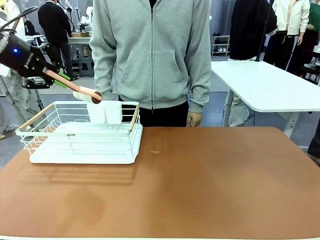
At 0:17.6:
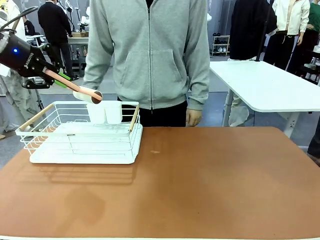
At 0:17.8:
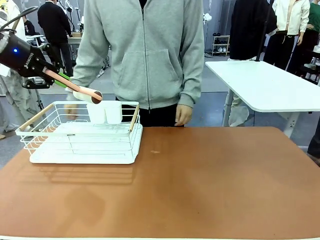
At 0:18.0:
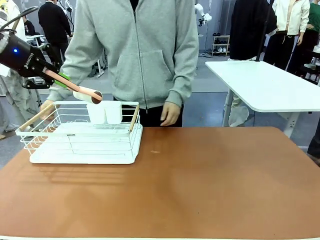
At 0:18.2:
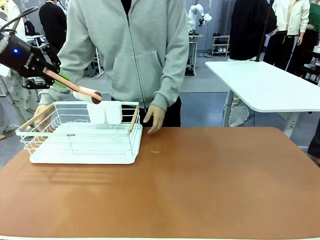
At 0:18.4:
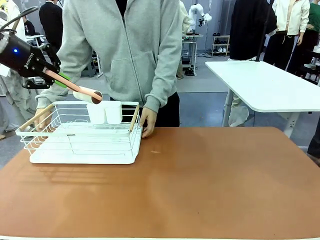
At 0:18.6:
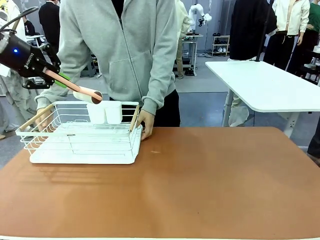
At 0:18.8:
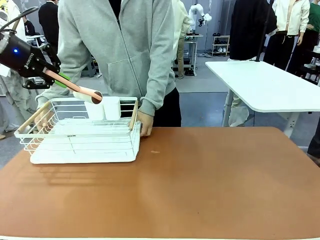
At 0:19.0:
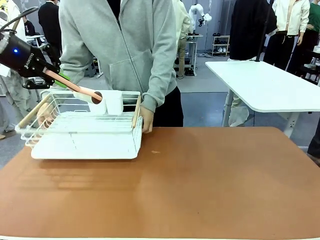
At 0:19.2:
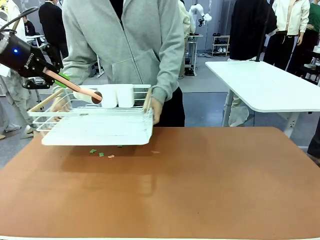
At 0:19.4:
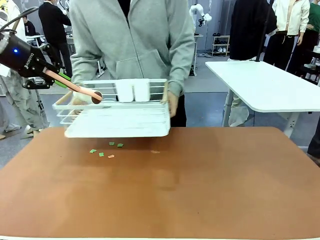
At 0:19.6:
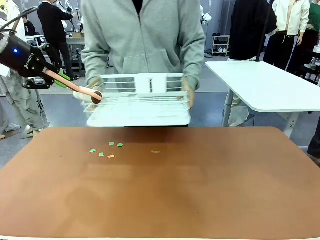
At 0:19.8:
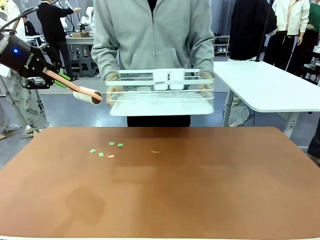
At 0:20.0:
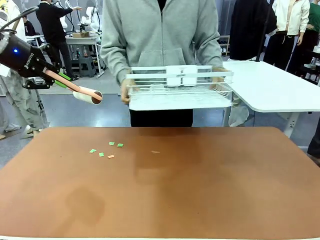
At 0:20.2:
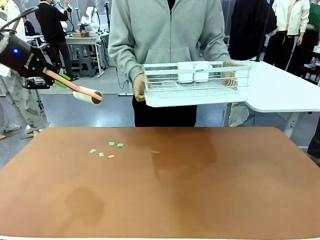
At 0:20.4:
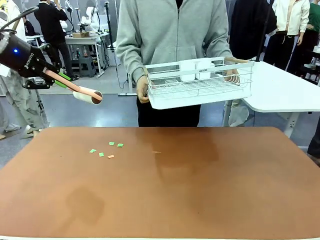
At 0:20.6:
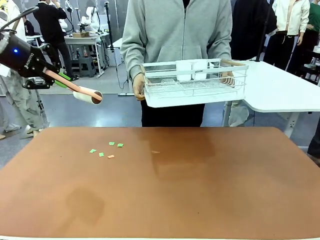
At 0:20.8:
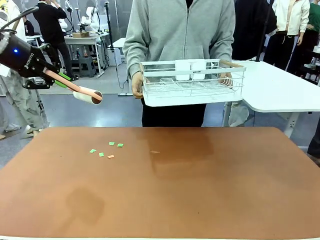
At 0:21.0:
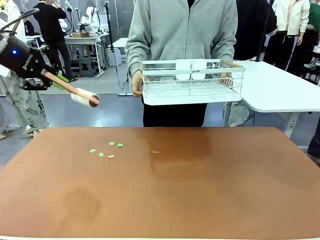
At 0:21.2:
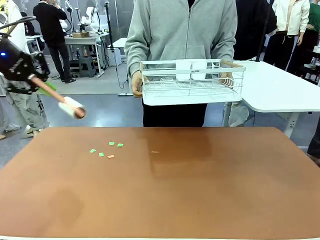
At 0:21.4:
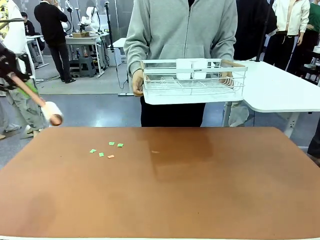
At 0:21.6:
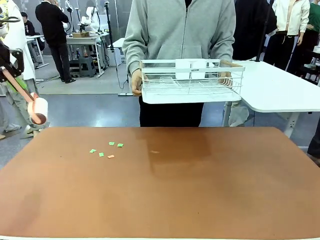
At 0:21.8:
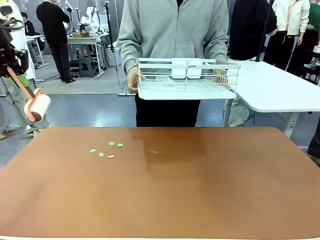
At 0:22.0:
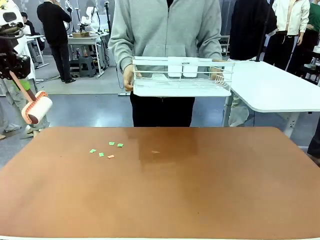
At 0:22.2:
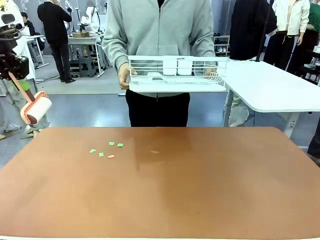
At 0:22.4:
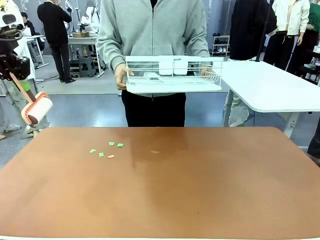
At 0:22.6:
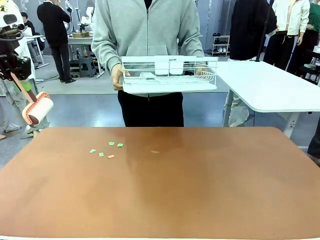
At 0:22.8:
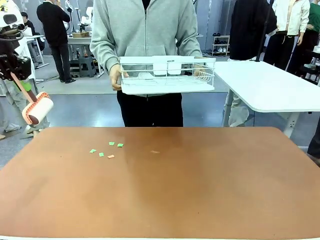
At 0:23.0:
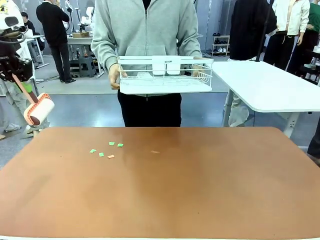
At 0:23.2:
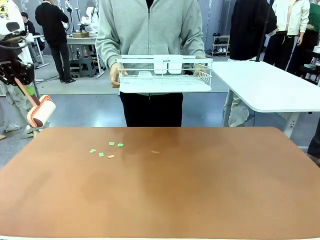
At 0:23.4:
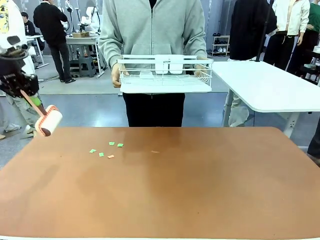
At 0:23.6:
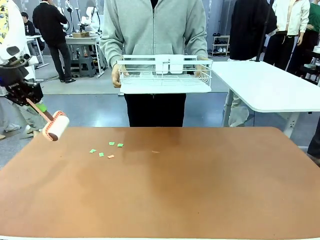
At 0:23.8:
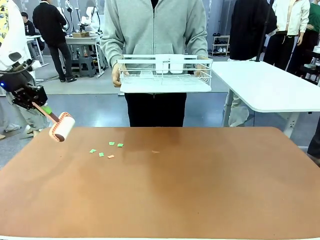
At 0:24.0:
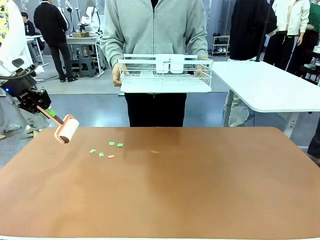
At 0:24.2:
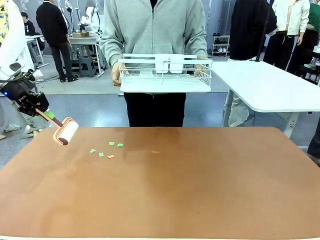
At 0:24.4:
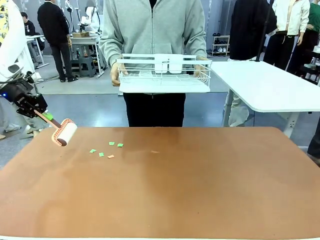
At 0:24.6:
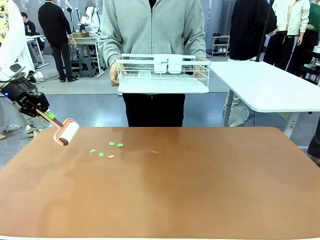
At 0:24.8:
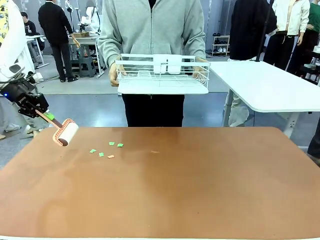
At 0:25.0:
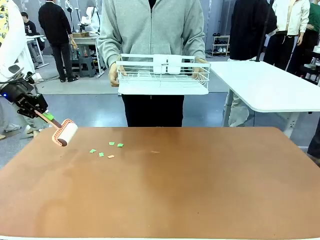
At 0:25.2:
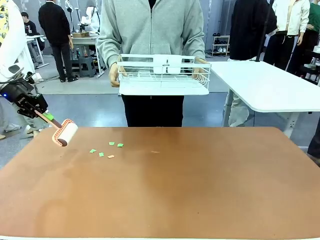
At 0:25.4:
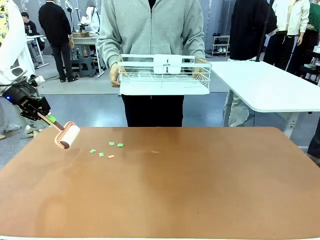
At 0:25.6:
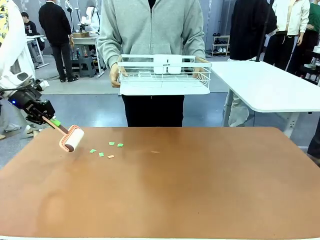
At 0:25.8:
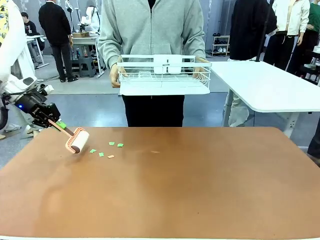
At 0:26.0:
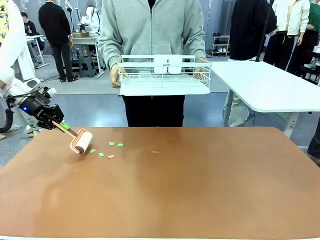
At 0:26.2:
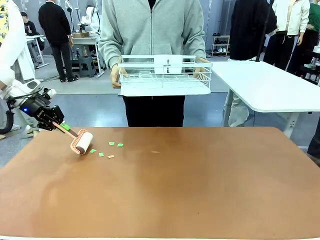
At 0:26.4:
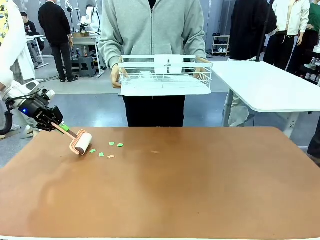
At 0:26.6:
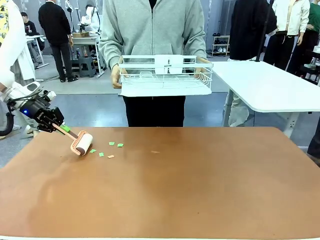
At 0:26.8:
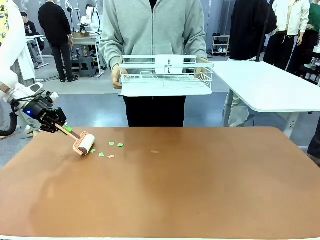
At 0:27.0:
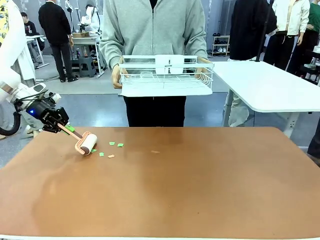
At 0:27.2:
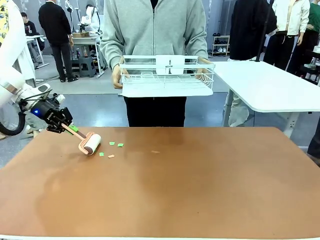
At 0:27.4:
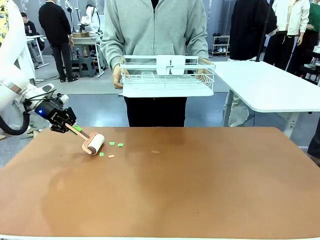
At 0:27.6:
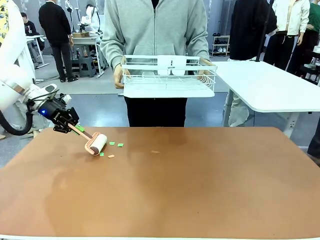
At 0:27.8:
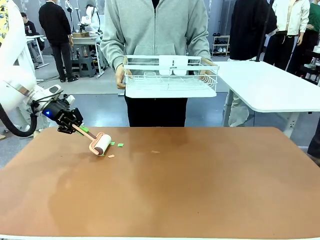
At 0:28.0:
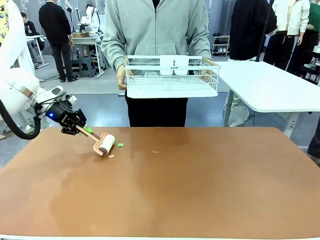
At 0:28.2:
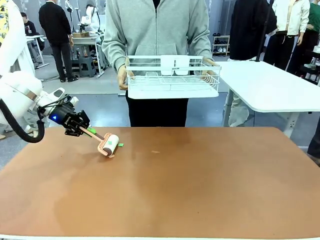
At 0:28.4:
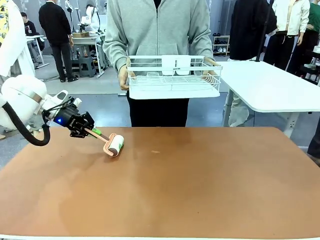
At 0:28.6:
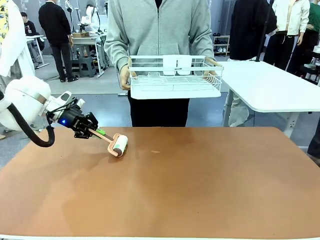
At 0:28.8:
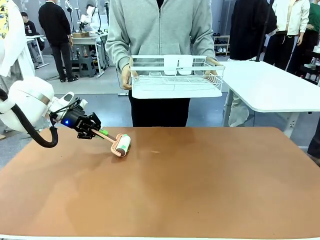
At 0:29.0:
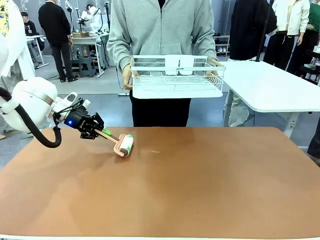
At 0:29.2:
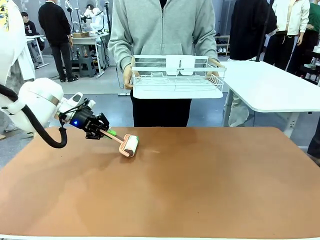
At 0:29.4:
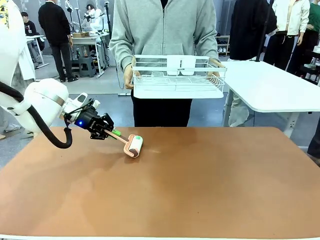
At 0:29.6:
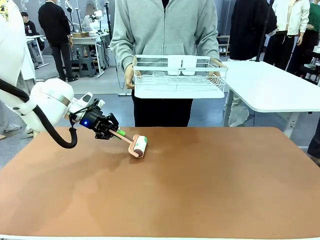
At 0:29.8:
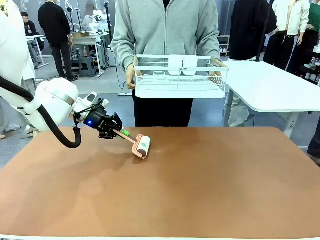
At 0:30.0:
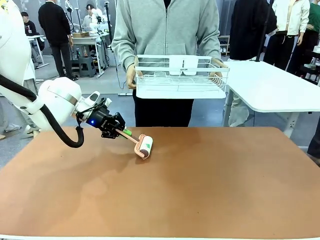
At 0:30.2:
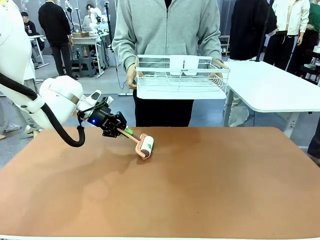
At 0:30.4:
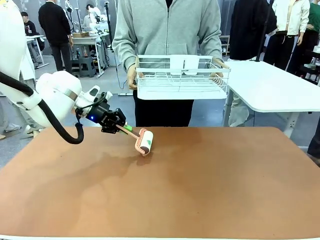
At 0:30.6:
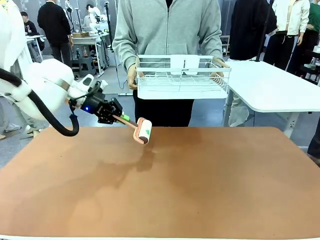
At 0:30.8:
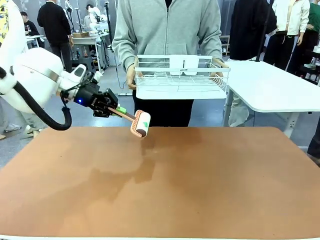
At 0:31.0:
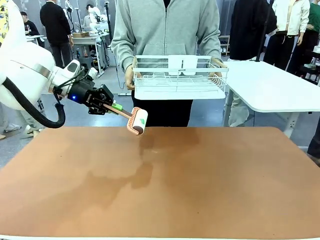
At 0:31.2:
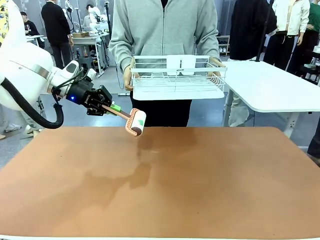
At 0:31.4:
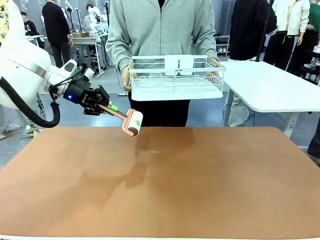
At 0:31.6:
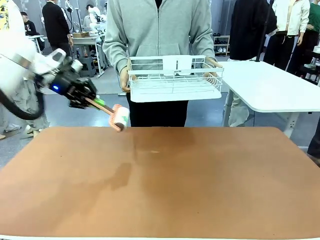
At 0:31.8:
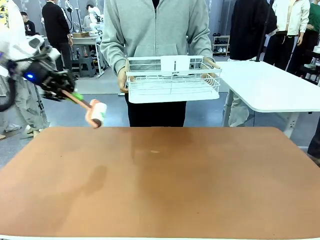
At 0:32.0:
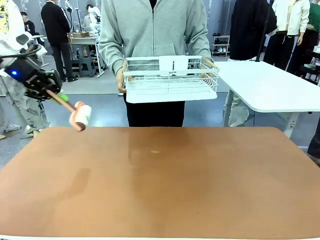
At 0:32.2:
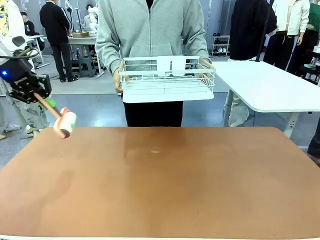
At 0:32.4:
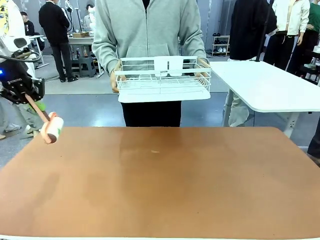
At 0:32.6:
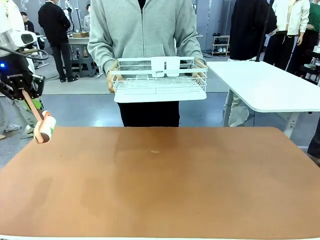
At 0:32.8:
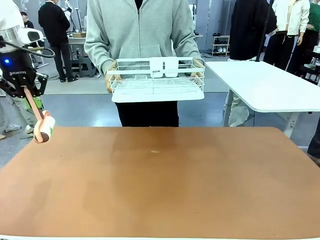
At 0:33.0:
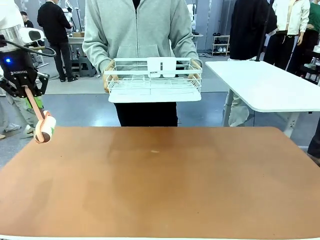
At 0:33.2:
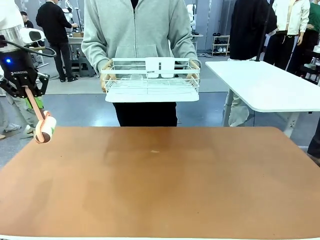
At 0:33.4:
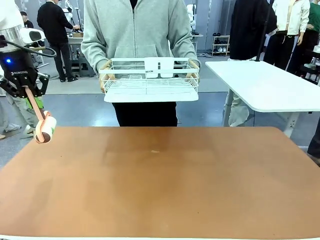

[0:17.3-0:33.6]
Task: Clean the table.
Robot: Clean the table with the Lint Roller when the human lifts the Dish drying rack.
Person: Place the Dish drying rack down when the robot finishes cleaning.
